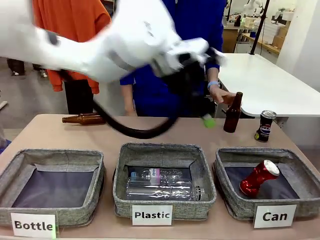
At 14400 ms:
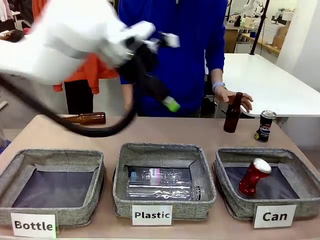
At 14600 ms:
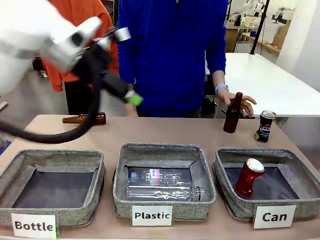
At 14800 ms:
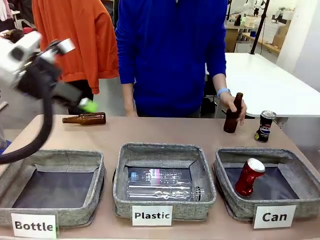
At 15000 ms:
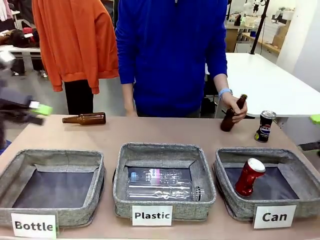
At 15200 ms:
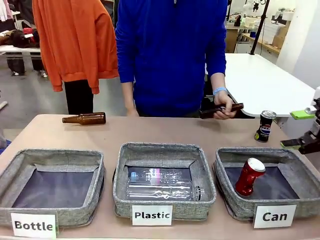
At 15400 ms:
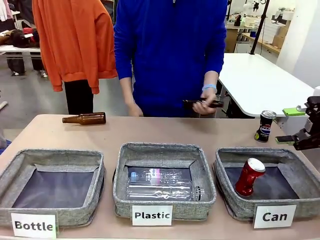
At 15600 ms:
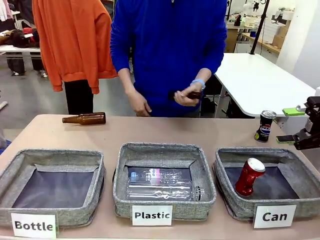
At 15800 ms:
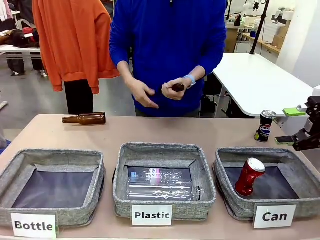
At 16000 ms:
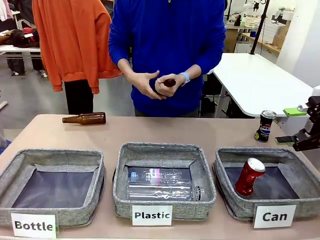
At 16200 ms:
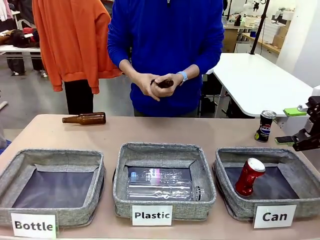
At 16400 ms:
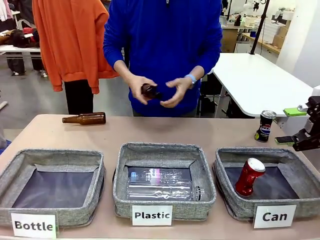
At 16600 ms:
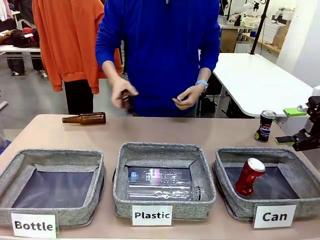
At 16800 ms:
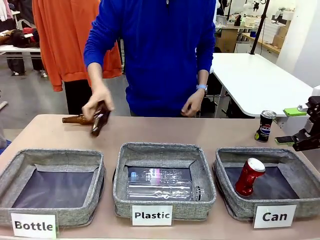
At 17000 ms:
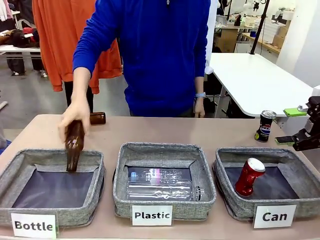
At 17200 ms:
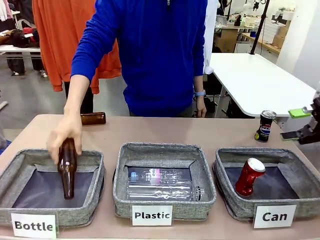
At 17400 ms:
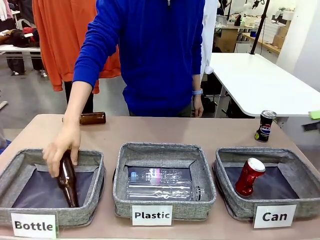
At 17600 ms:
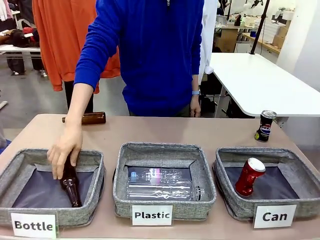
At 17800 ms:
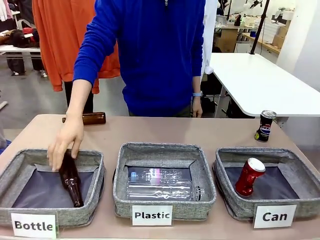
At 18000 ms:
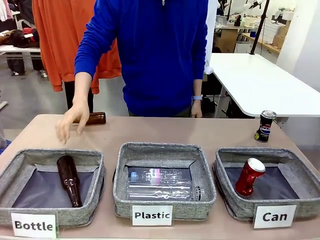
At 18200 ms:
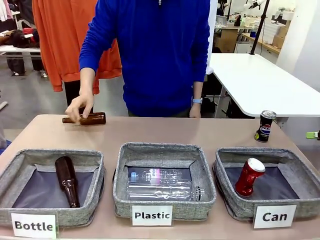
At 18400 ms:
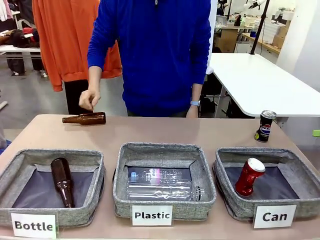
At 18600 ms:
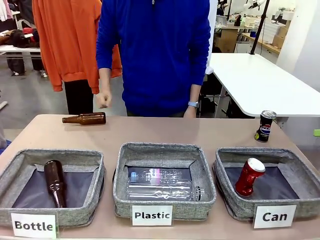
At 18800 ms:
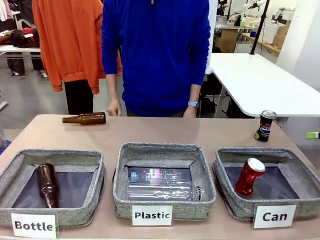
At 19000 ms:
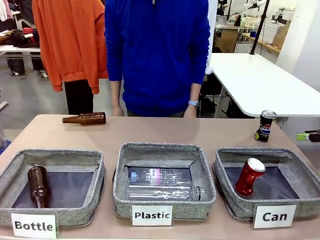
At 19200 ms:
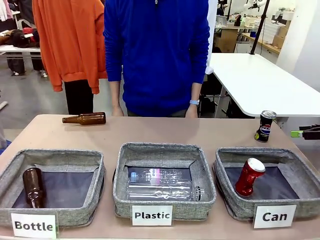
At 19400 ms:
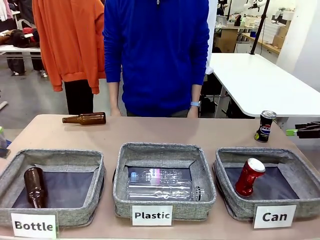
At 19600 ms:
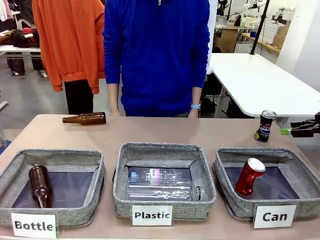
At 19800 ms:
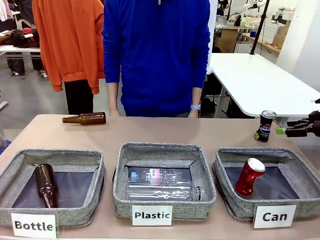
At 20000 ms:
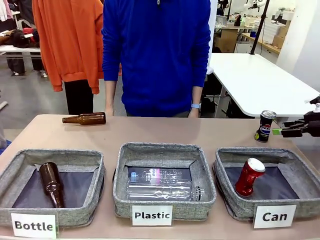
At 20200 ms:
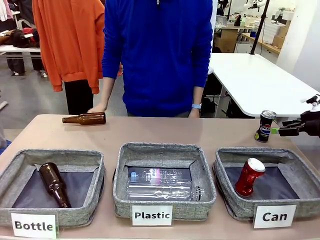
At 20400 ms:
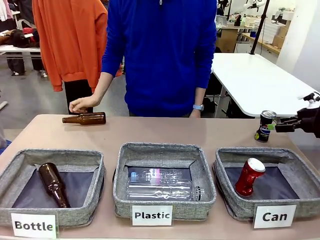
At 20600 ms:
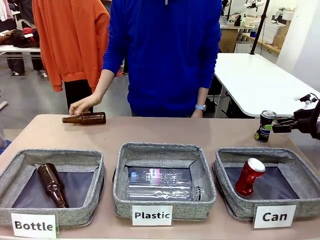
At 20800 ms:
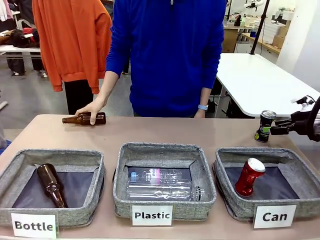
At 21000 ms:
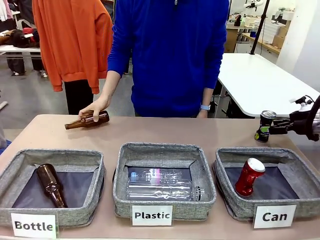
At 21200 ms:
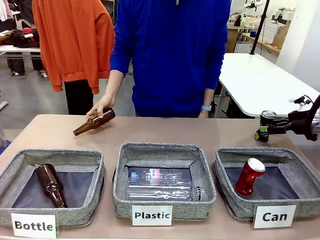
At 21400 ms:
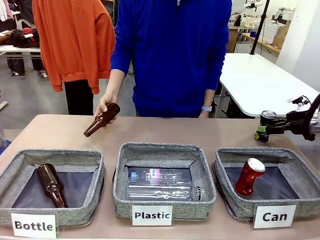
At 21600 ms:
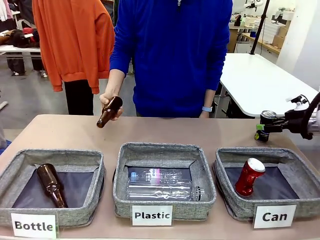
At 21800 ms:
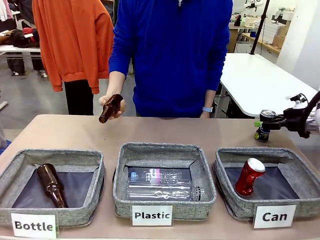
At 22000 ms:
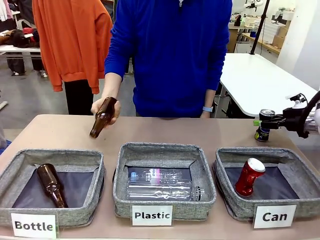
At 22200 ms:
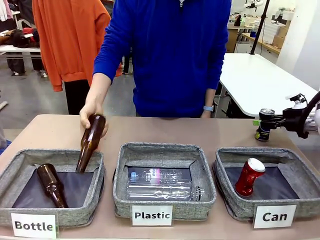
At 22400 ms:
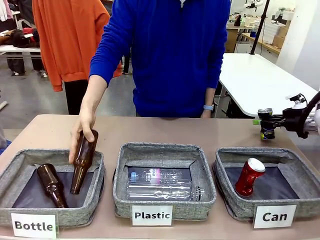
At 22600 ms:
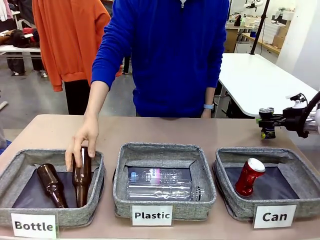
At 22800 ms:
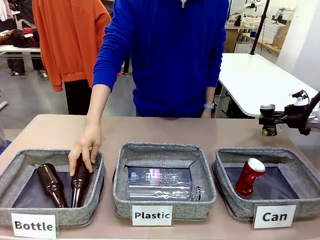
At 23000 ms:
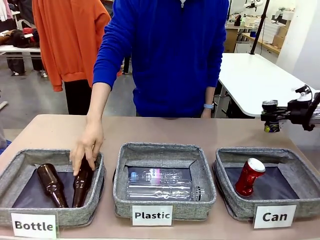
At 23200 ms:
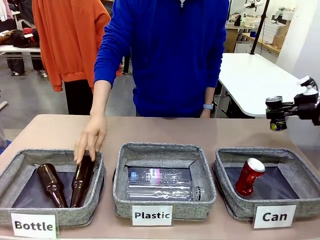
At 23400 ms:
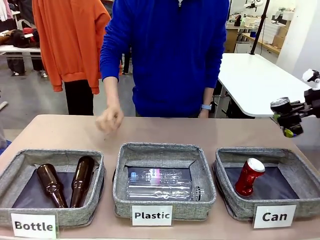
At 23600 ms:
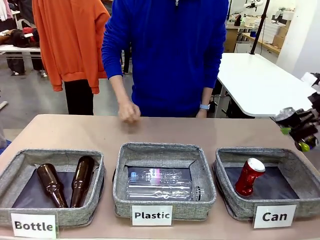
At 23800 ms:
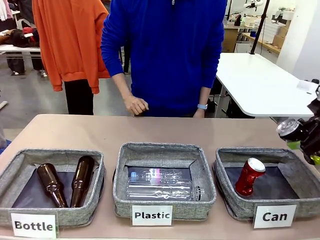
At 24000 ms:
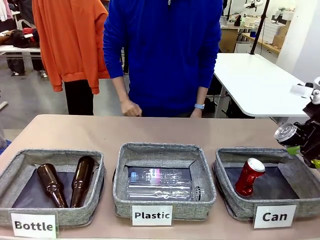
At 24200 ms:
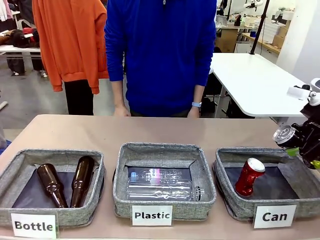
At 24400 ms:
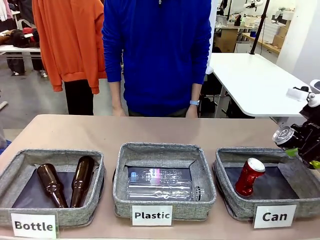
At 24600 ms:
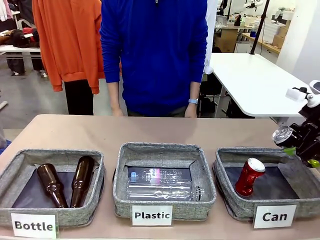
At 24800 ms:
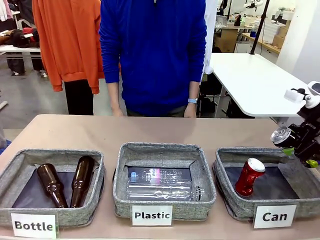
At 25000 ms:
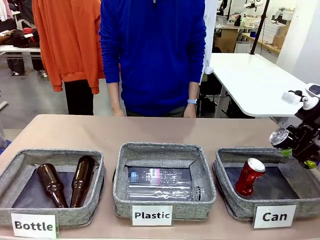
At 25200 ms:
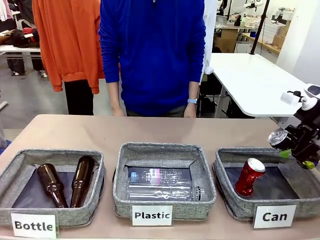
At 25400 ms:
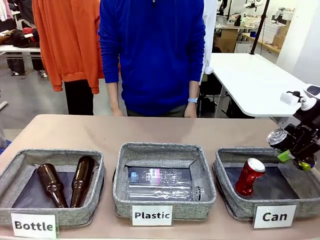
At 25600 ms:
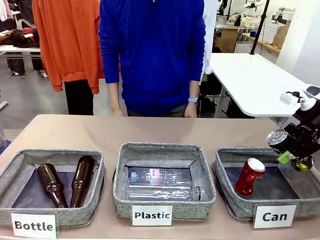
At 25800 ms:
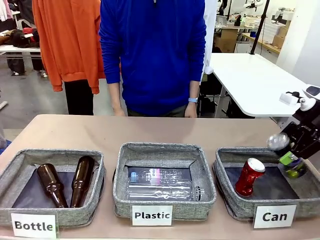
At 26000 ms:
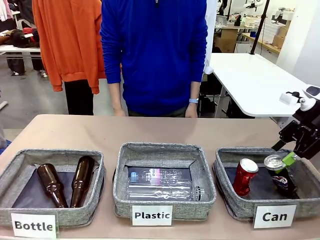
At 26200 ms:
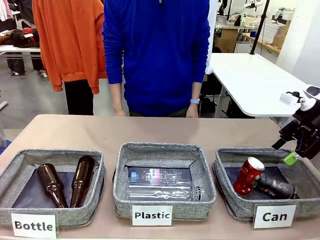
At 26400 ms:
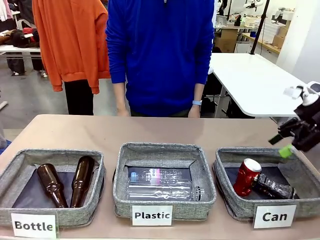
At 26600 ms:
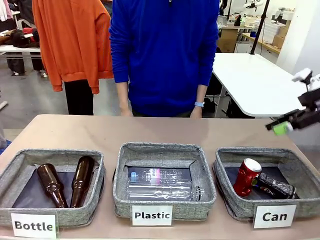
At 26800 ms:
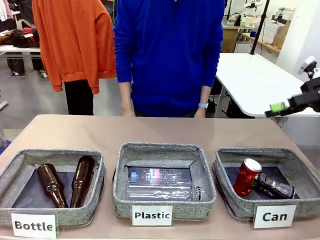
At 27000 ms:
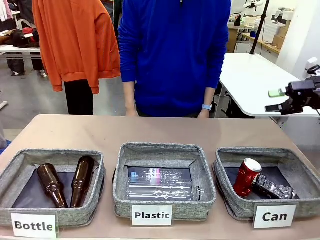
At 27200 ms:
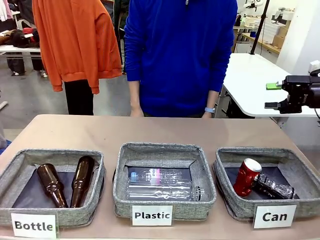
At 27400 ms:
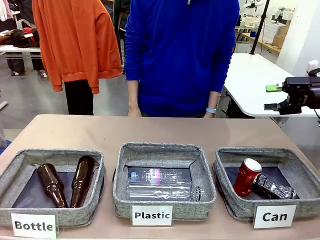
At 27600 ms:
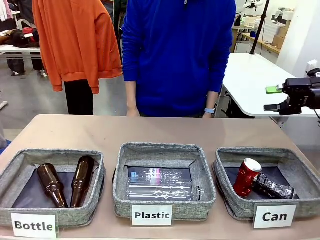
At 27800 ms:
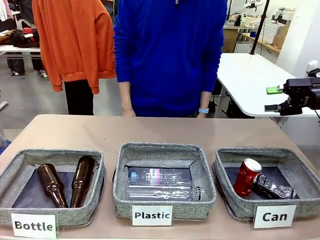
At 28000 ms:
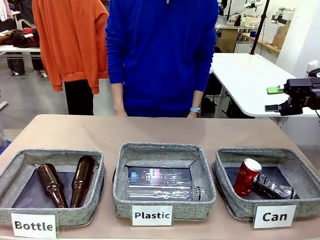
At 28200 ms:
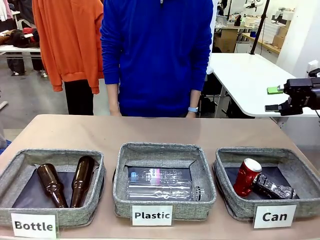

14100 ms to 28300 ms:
Task: Sort the can waste into the basket.
Robot: Pick up the can waste from the table and place it in the right Fabric basket.
Person: The human picks up one piece of trash that is not a can and places the trash into the appropriate organizing basket.
